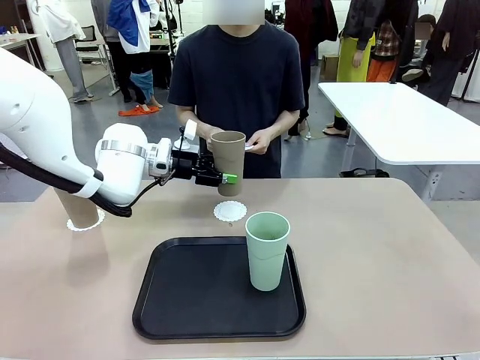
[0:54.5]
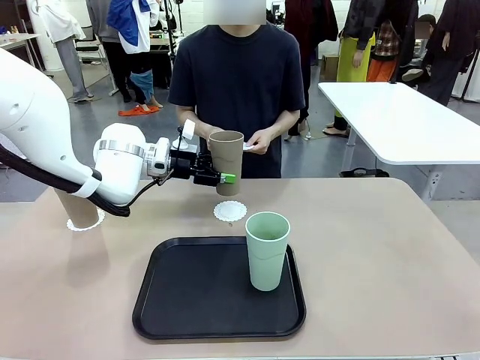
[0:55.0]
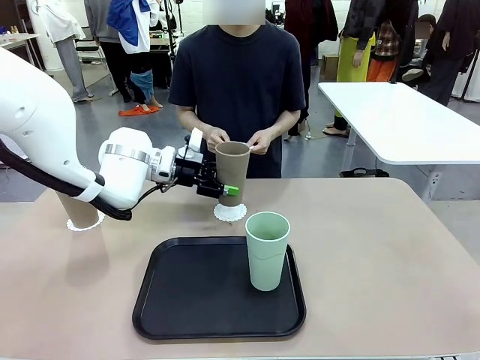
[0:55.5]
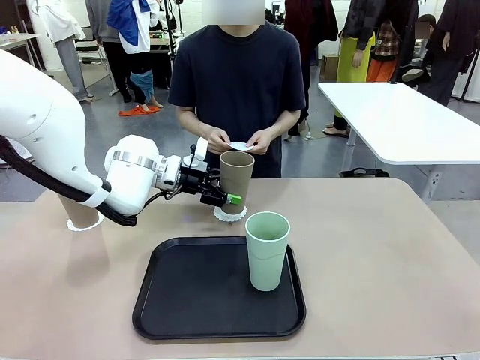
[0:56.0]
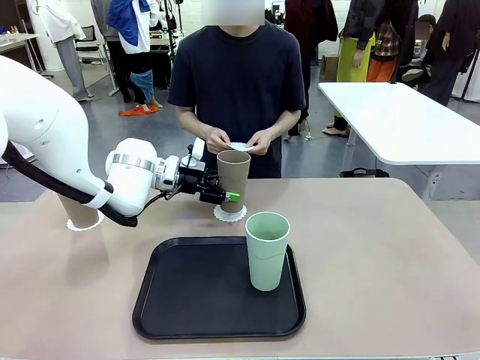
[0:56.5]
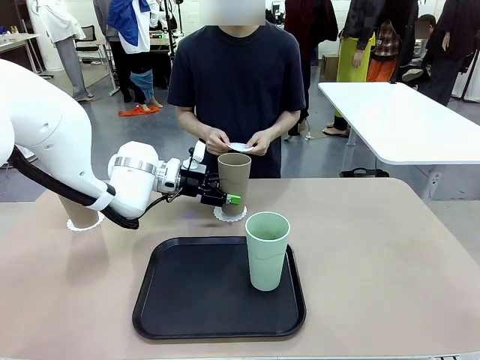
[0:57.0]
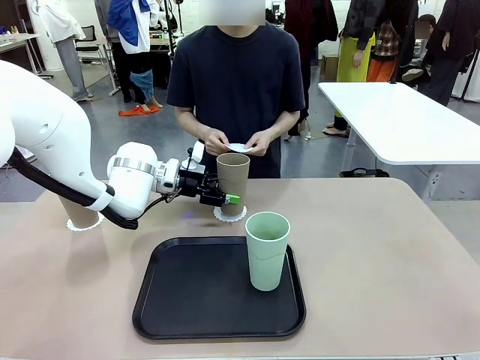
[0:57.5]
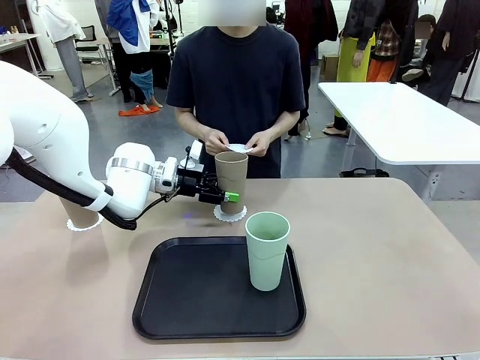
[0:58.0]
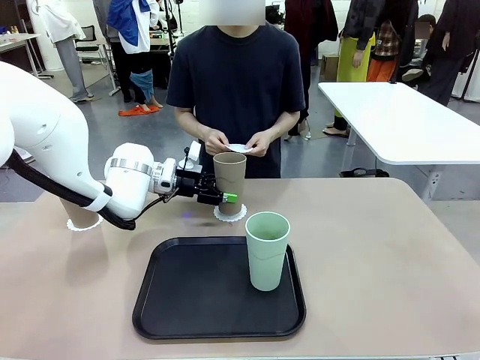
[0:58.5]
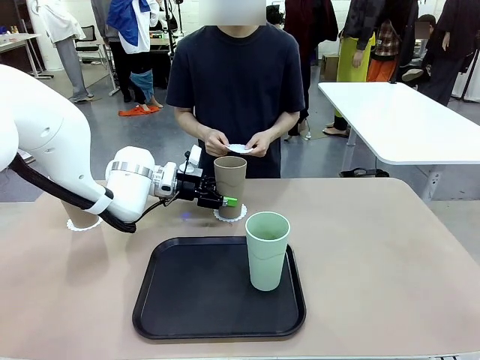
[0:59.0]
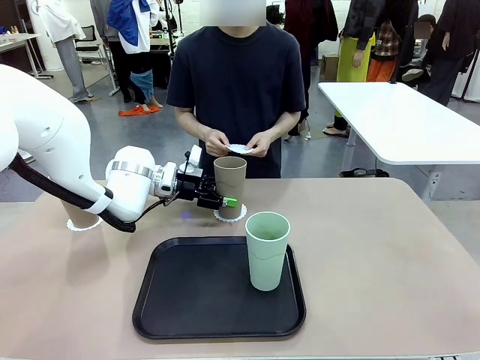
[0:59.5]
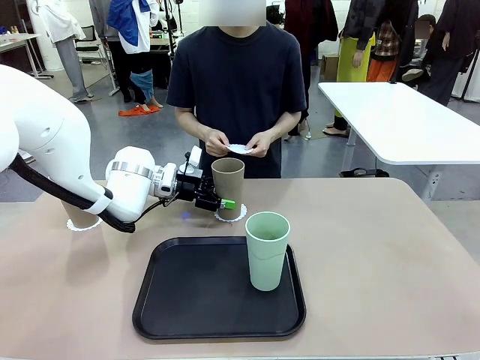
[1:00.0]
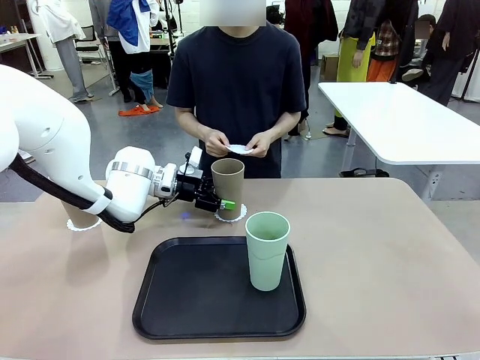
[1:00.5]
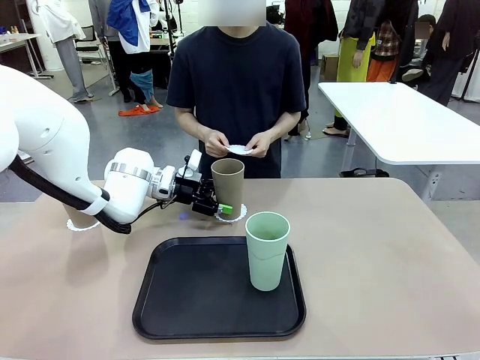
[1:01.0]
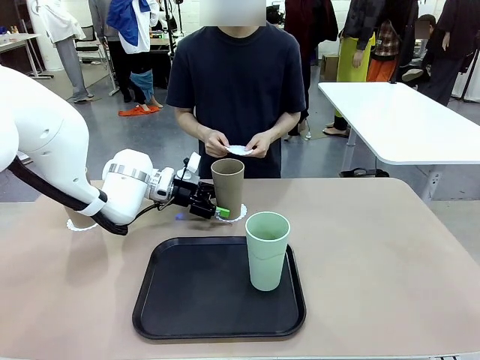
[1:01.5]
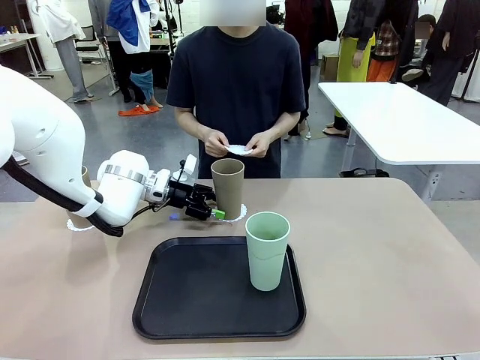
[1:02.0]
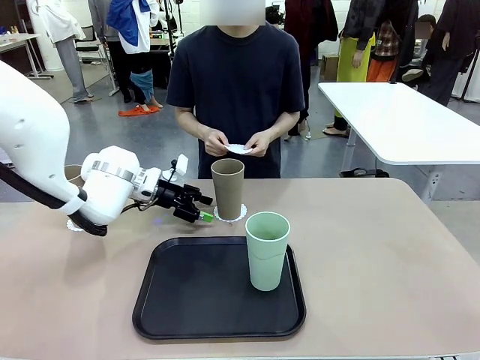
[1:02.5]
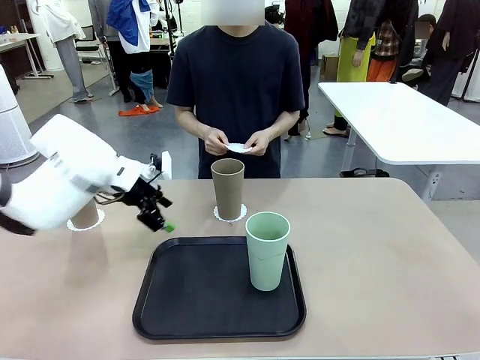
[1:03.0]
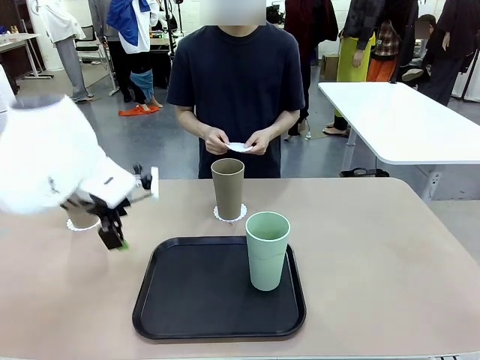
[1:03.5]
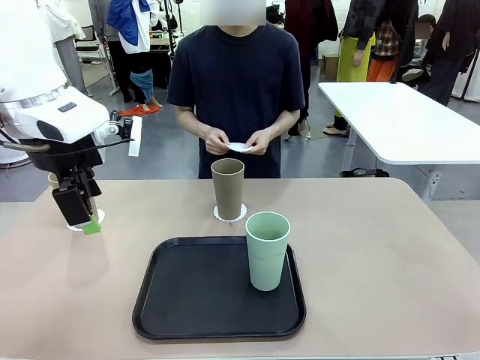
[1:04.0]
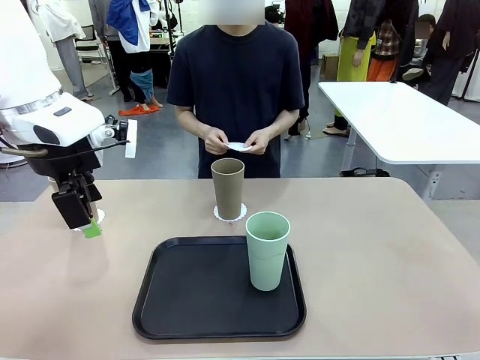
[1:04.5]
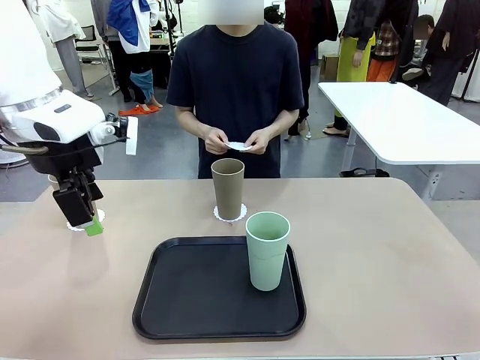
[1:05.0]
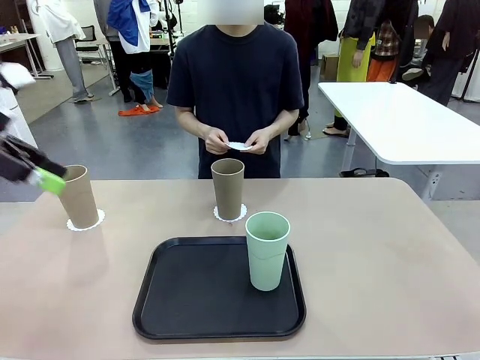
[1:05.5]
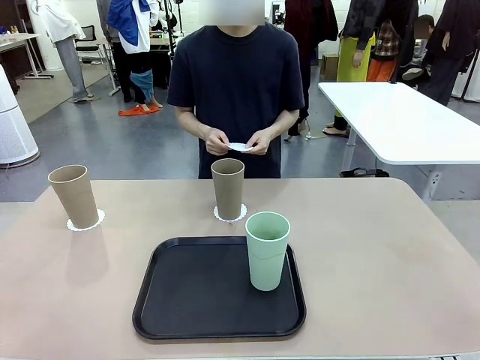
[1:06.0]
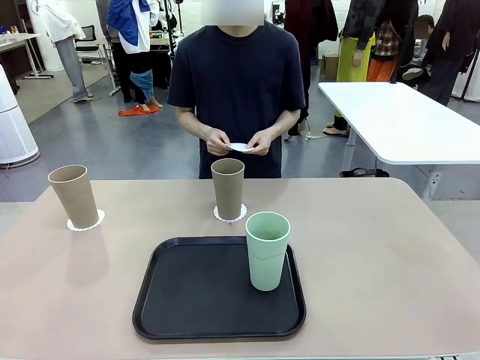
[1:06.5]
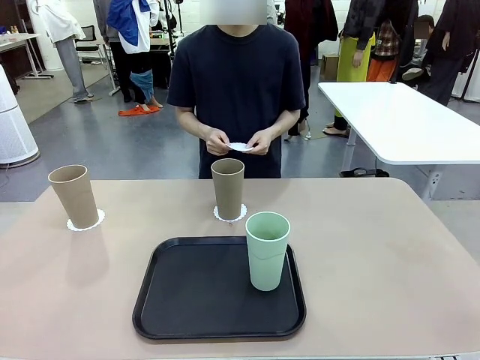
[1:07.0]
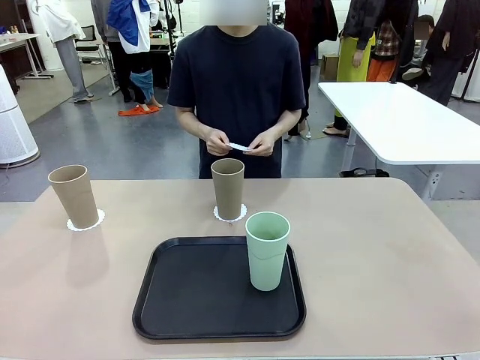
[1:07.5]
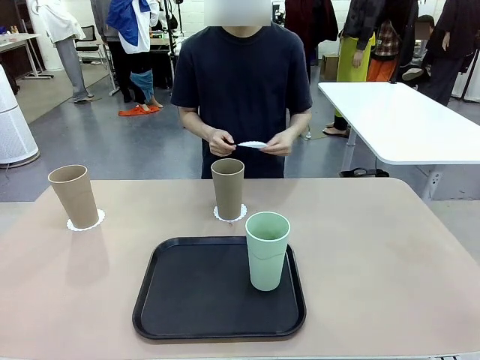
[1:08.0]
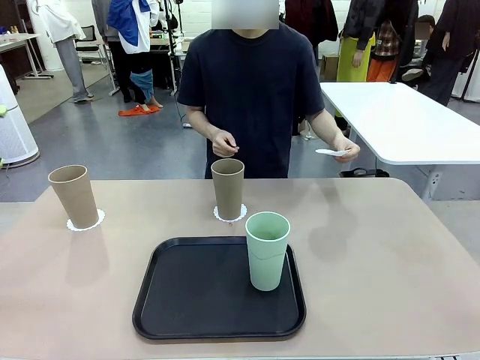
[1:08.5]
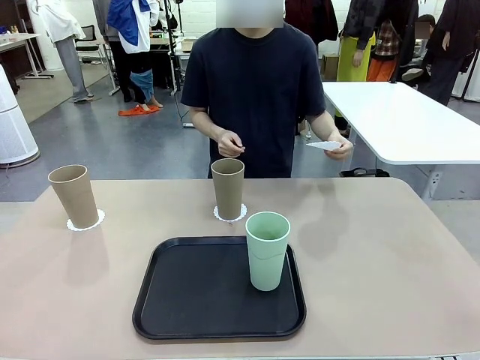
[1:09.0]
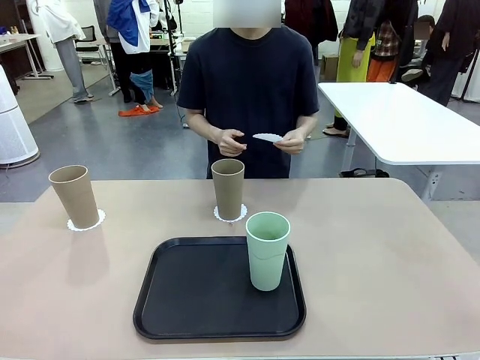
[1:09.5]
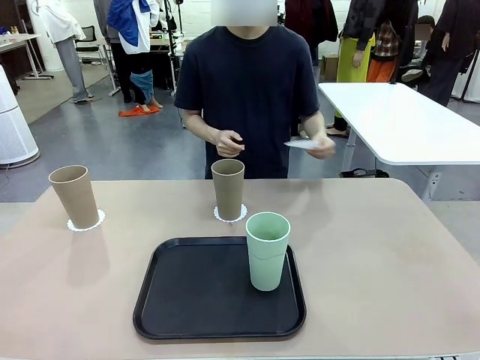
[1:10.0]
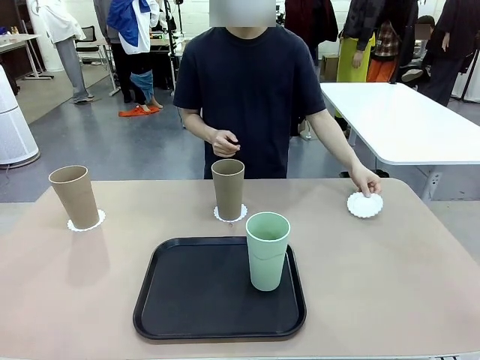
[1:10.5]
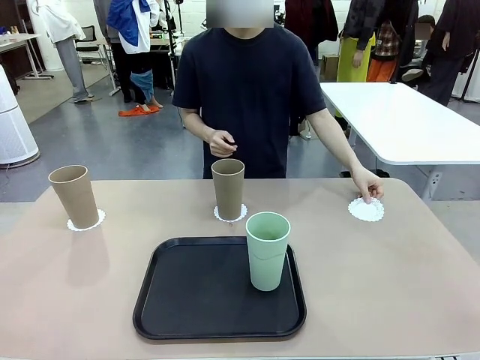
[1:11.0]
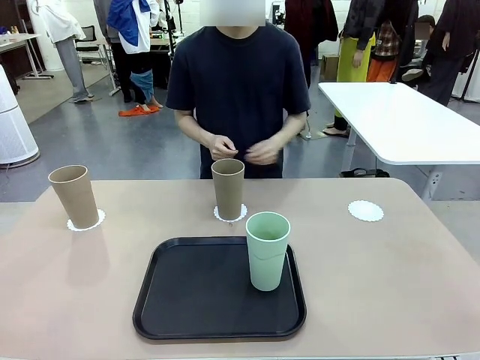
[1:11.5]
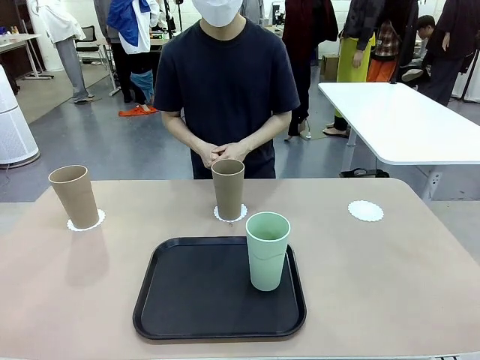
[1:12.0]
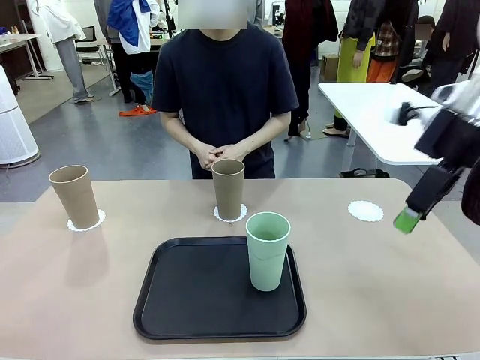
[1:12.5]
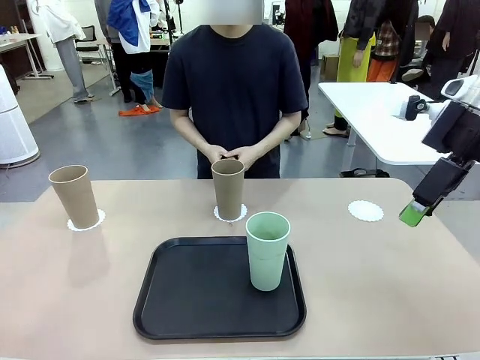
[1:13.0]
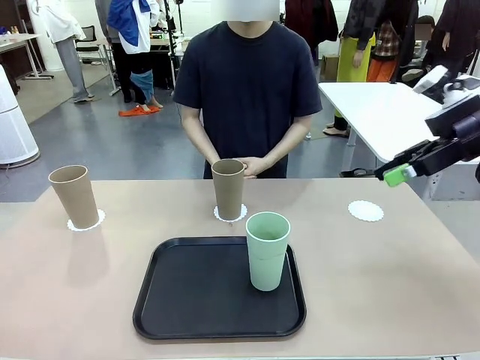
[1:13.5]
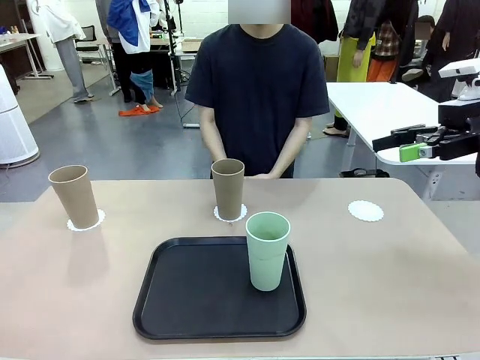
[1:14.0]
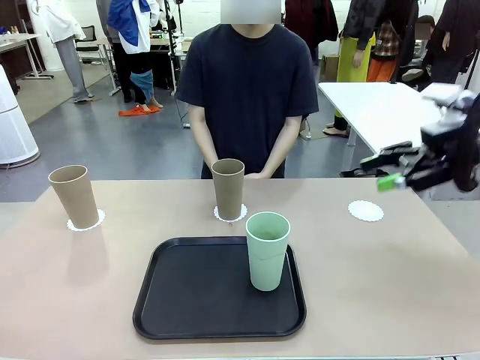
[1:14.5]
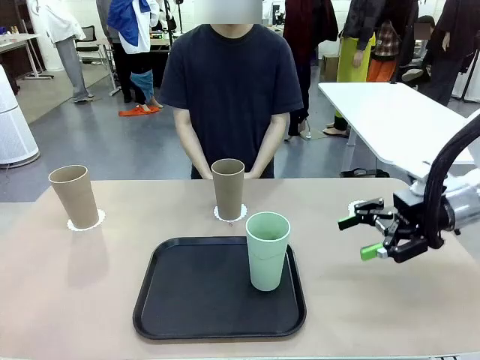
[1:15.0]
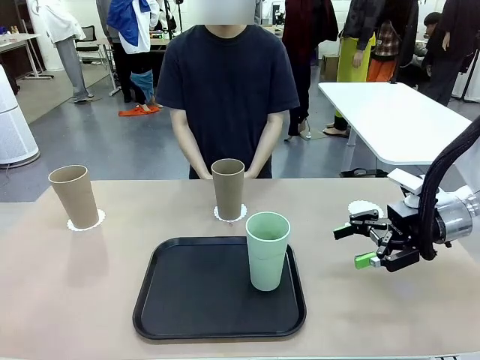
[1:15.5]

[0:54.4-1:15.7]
Task: Place coasters on the table and set cups on them.
Robot: Take one Reusable plastic cup from the Flat Tray and place it on a coaster set by the human.
